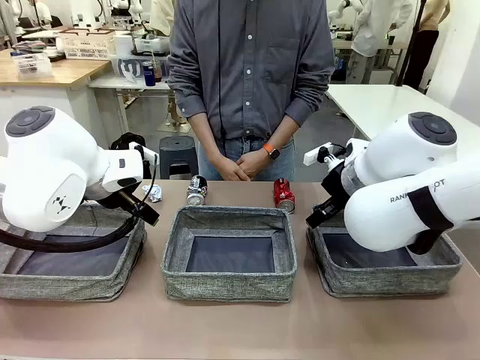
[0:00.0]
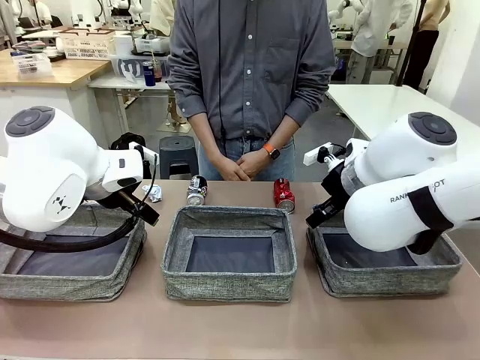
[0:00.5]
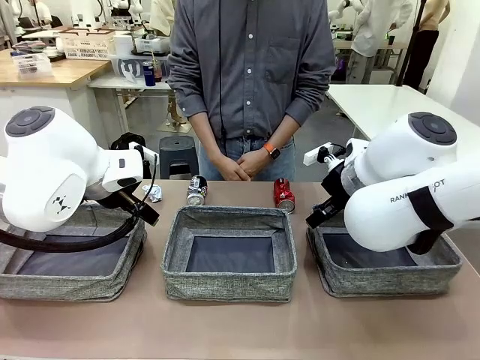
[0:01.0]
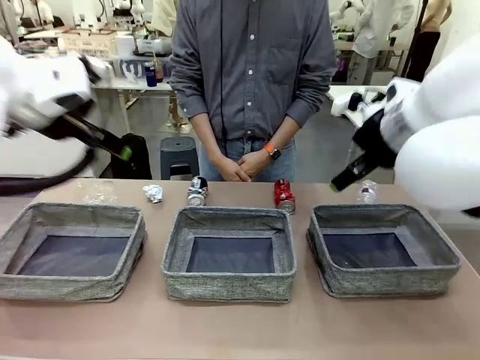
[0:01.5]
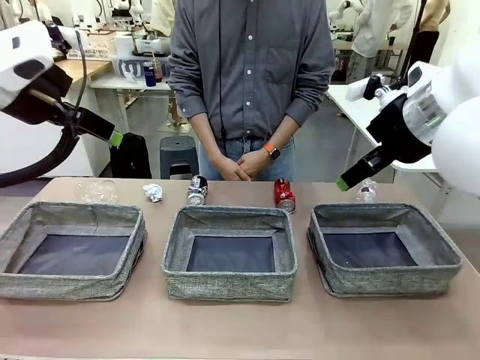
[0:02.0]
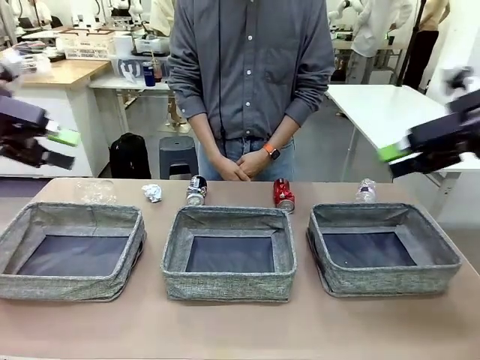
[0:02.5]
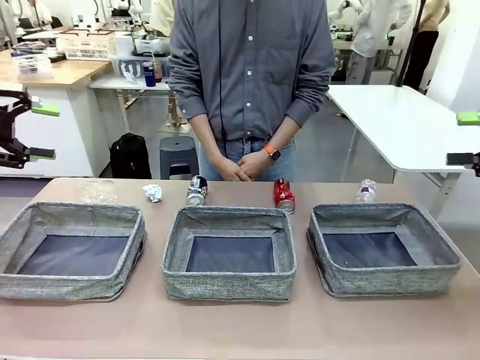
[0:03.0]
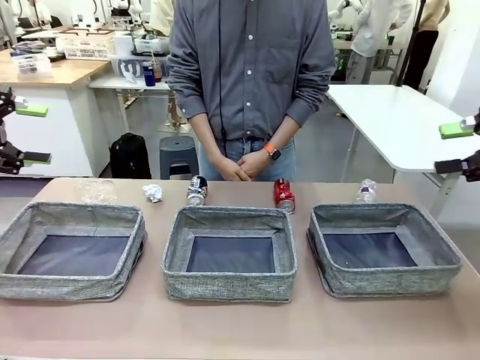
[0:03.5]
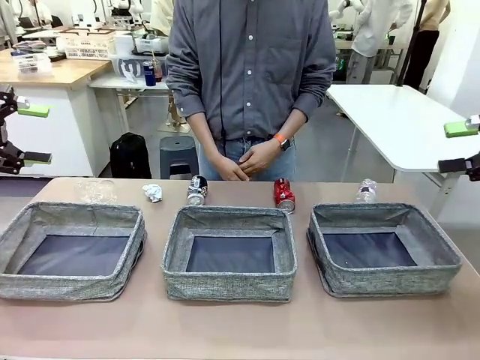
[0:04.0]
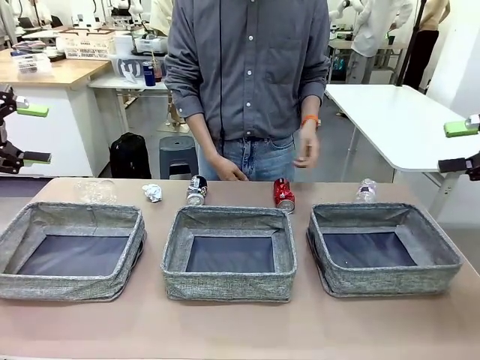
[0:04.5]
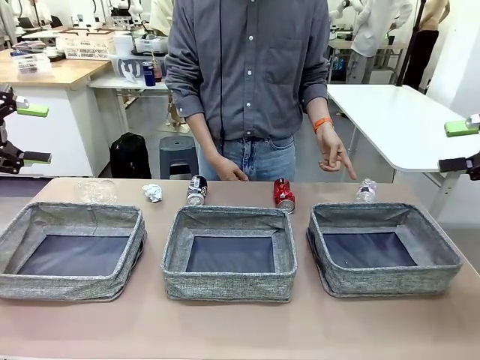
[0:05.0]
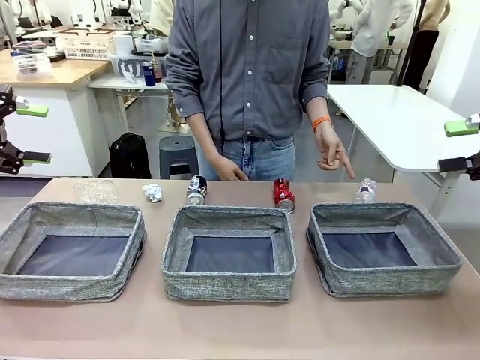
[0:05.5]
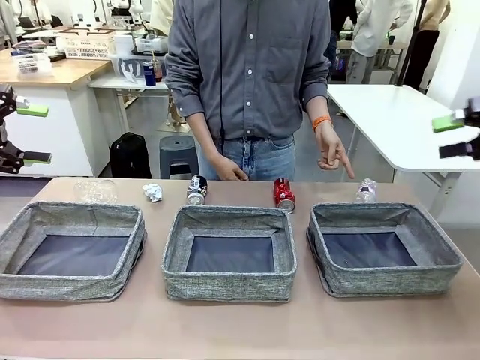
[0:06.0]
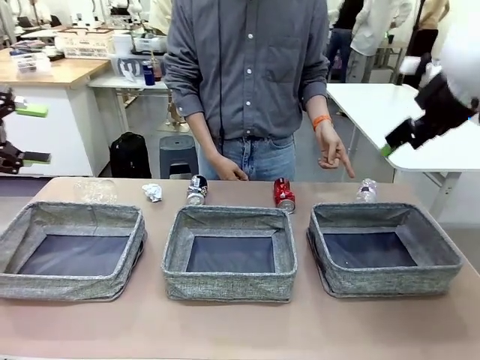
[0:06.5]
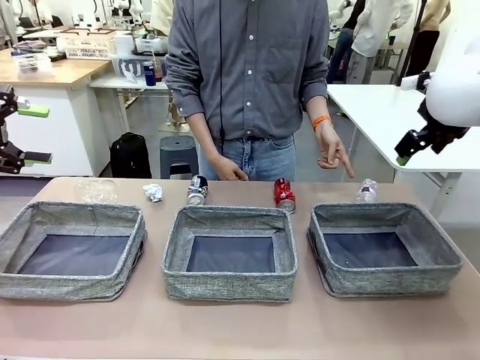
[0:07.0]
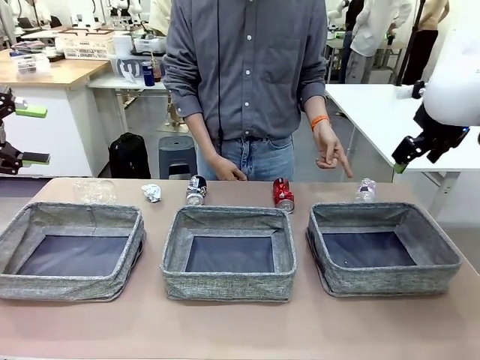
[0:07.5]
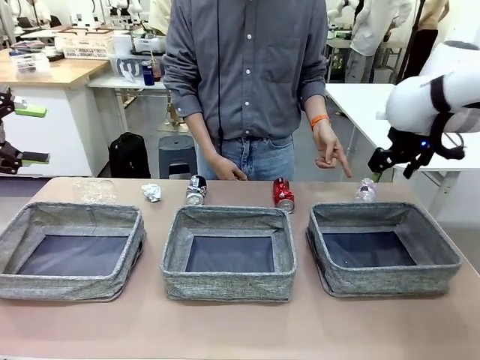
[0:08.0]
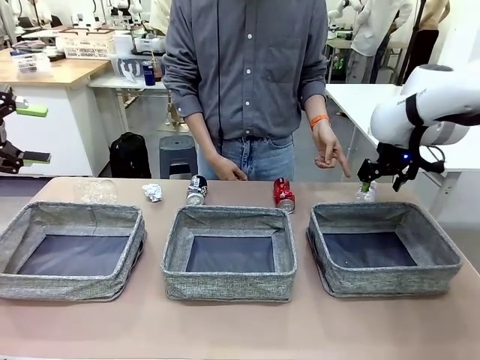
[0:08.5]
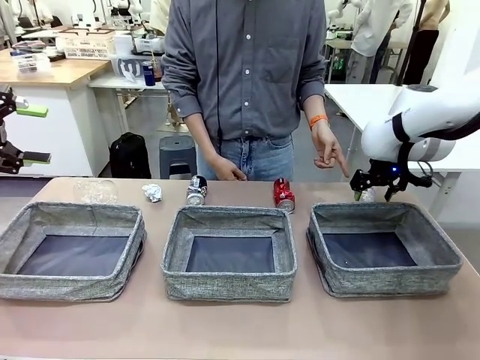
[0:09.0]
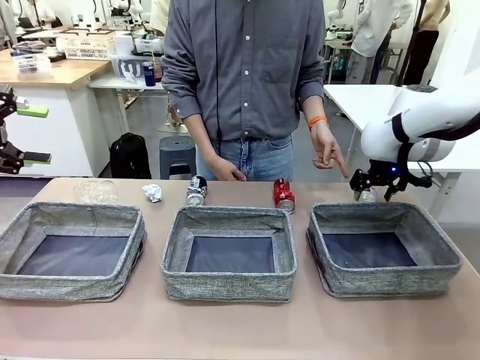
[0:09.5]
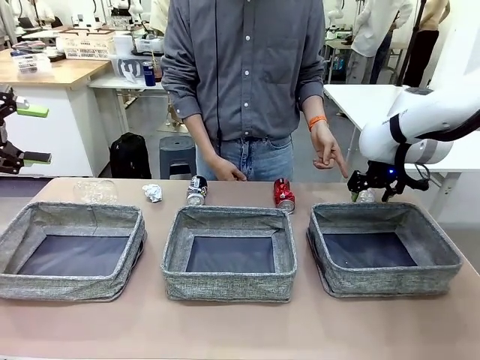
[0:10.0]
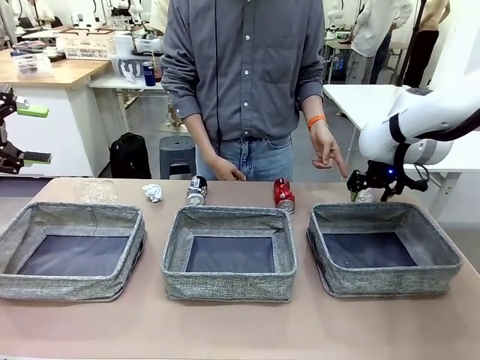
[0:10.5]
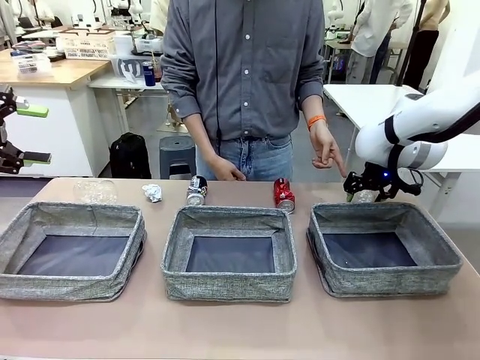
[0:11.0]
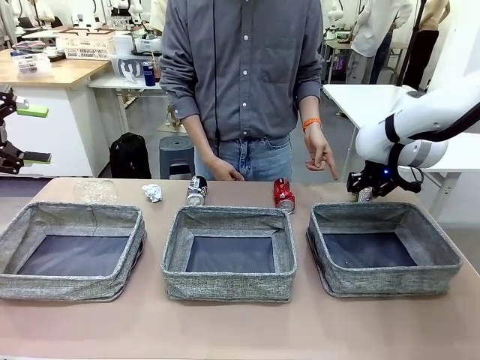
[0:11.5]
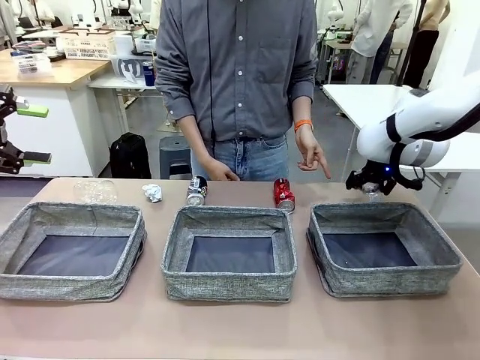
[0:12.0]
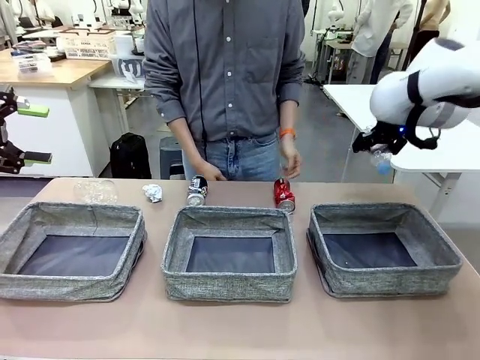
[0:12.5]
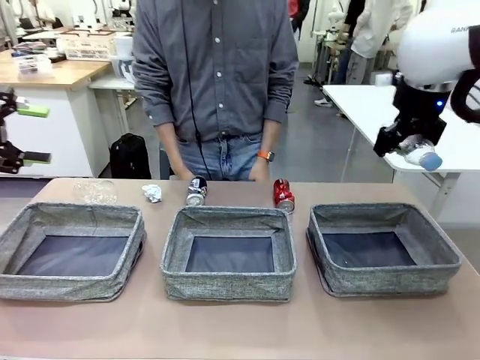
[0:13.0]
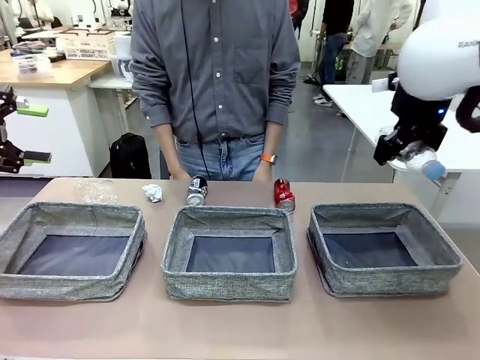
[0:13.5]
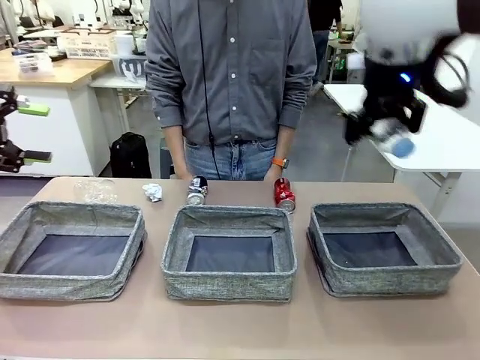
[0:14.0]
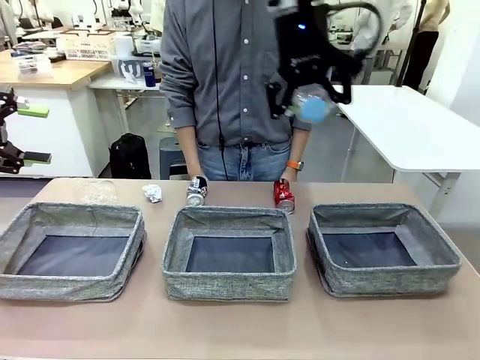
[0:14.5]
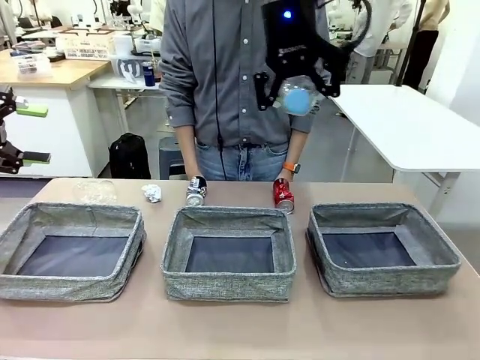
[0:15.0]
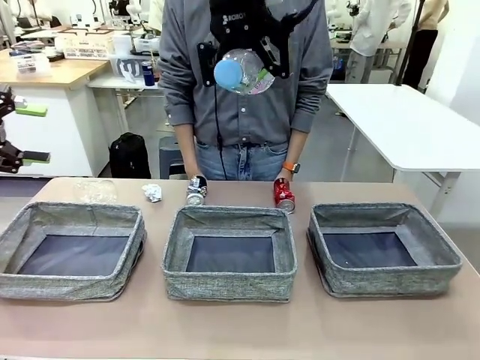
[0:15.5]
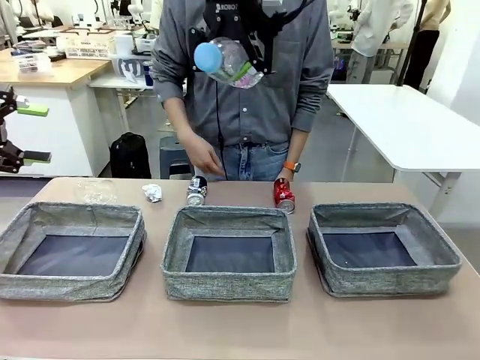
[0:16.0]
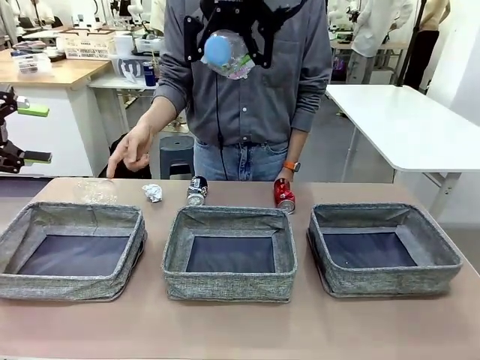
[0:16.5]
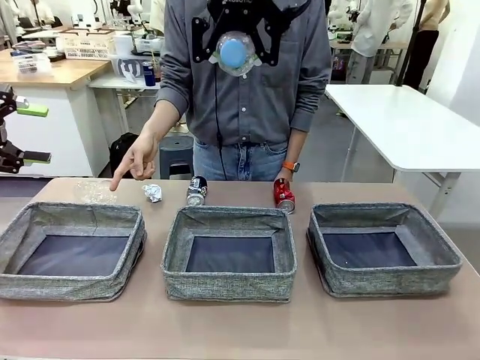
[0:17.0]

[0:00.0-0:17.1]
Task: Sort the waste into the appropriate baskets.
Robot: Pick up the waste item pointed out by the person.
Person: Points to one piece of trash on the table.

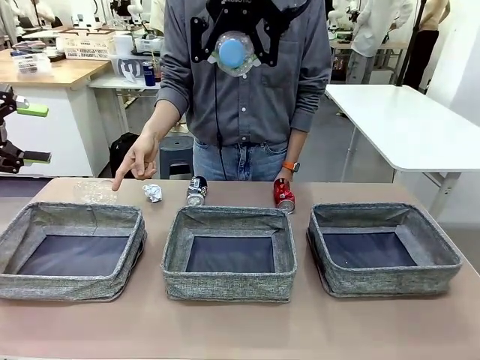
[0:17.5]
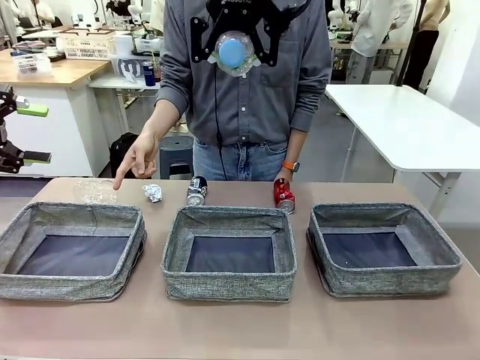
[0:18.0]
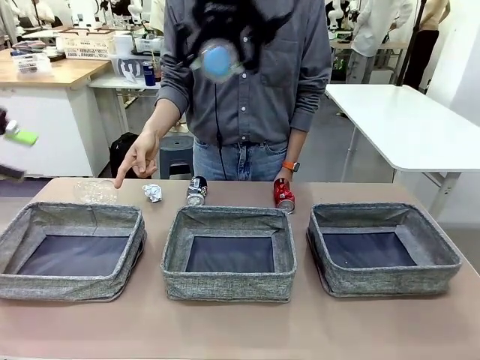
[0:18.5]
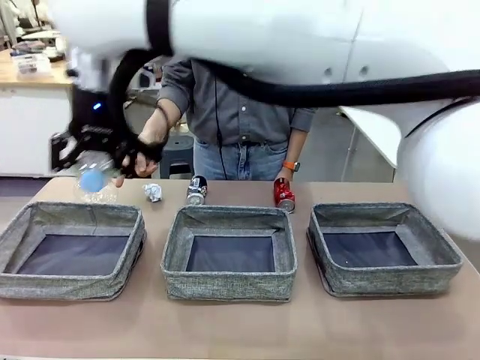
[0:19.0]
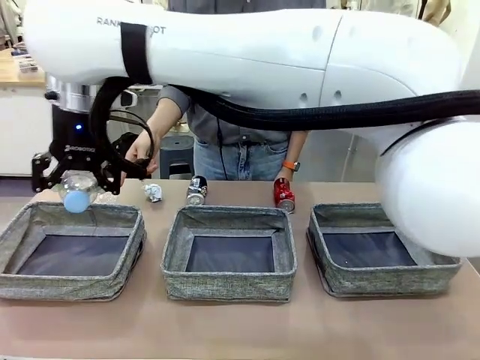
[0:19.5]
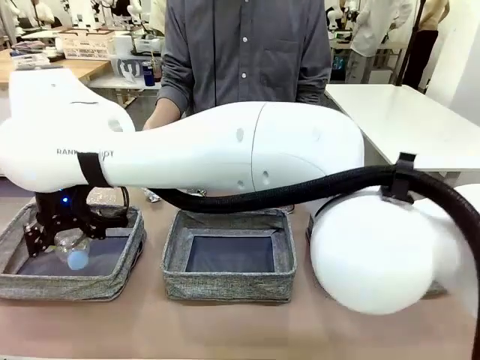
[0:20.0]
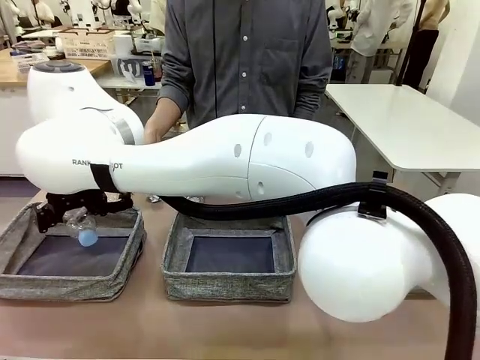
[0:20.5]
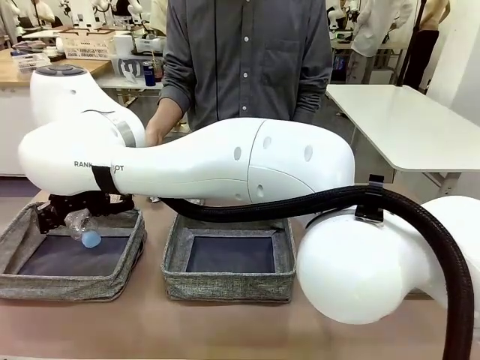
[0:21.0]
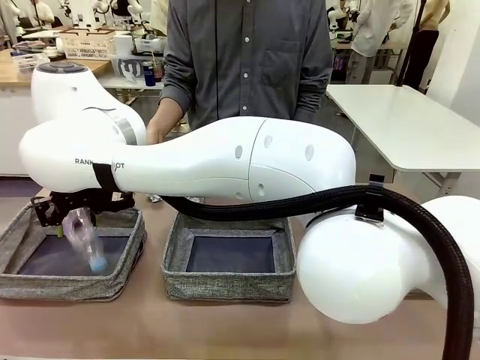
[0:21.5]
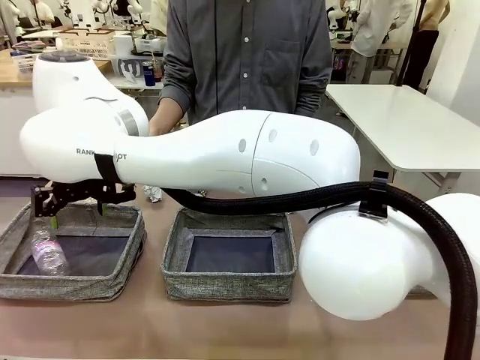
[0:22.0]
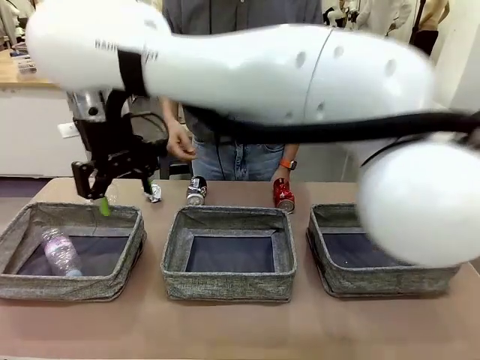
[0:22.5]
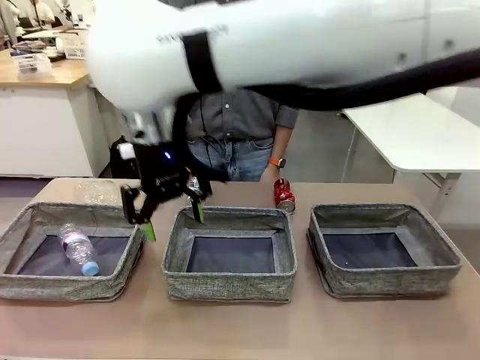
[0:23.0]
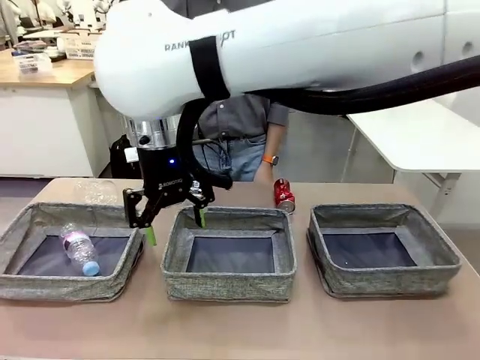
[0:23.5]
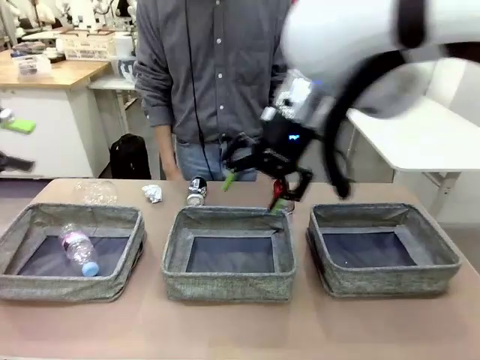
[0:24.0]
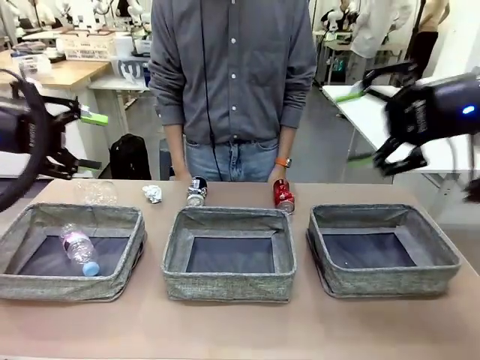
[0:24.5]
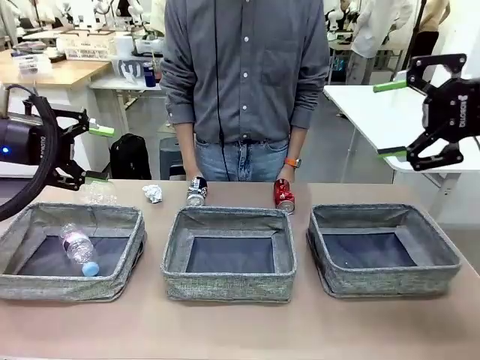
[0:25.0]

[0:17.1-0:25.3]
Robot: Place the picked waste into the Fabric basket indicated by the person.
Person: Instructs the robot to place the picked-up trash into the appropriate organizing basket.
